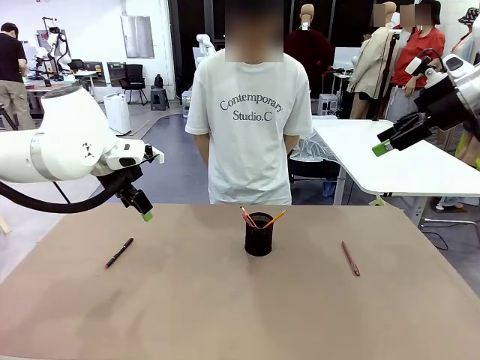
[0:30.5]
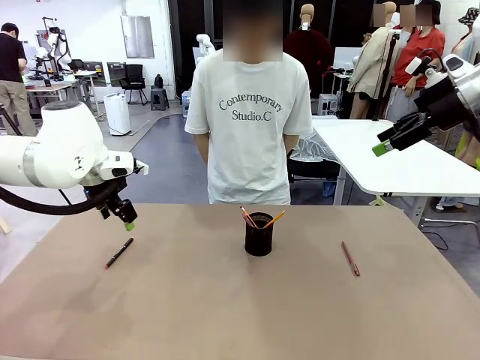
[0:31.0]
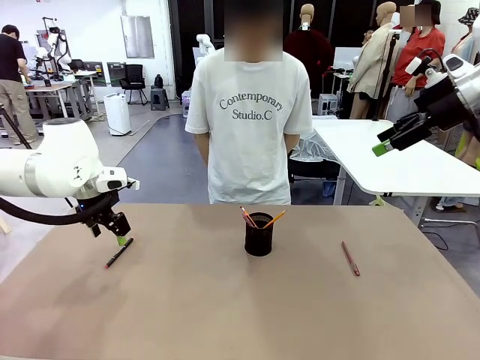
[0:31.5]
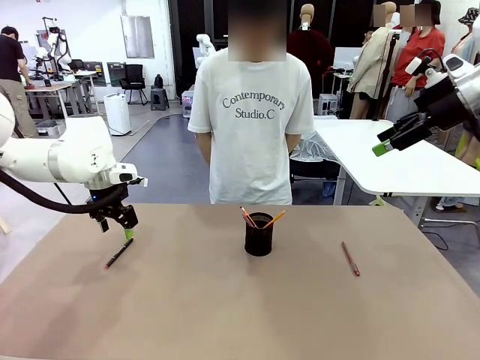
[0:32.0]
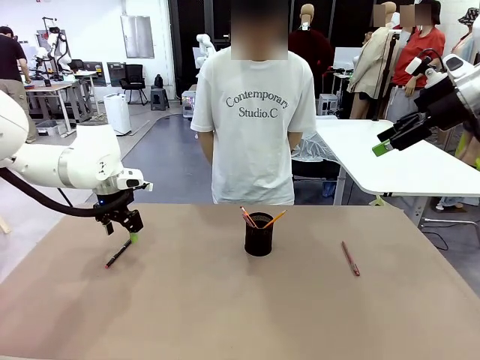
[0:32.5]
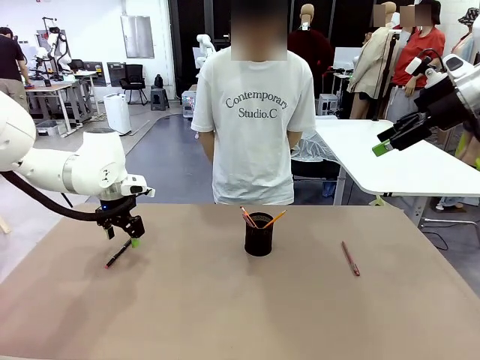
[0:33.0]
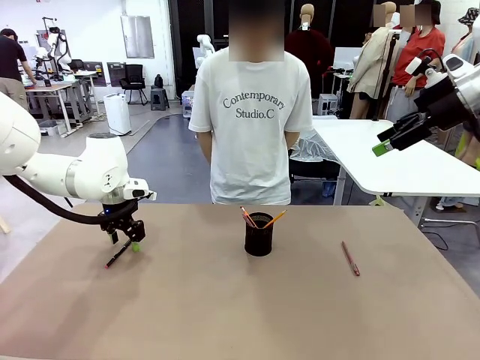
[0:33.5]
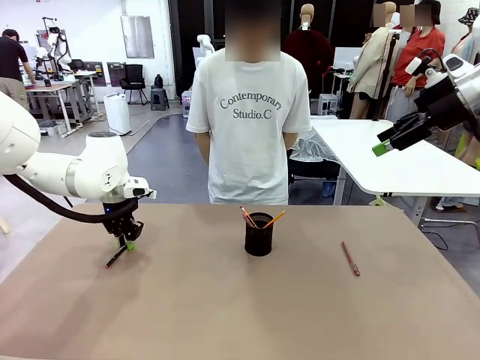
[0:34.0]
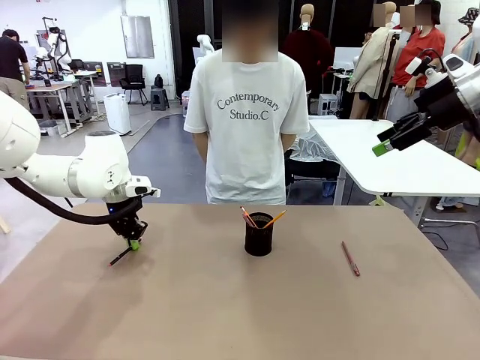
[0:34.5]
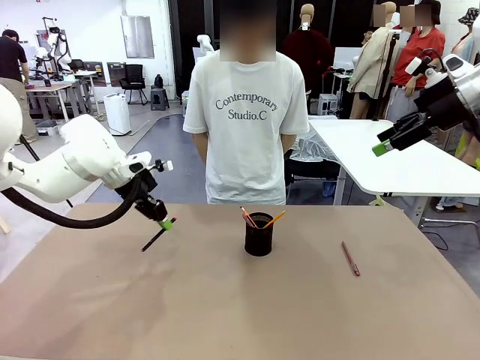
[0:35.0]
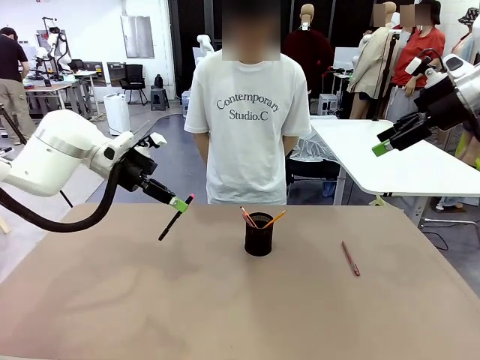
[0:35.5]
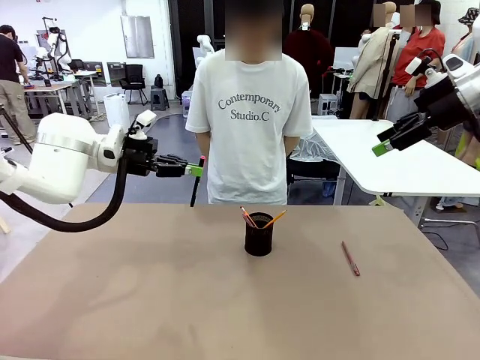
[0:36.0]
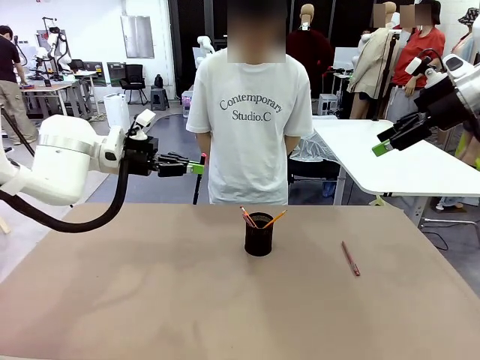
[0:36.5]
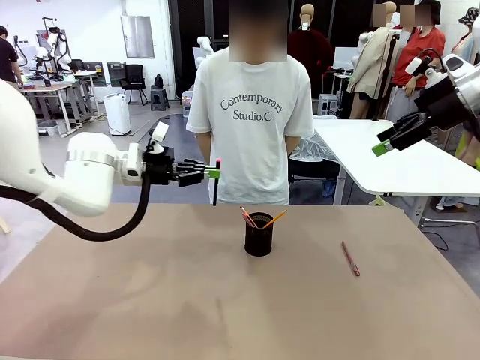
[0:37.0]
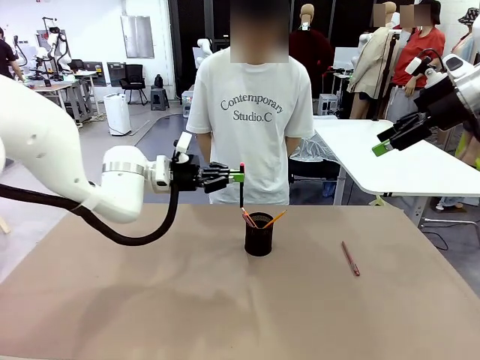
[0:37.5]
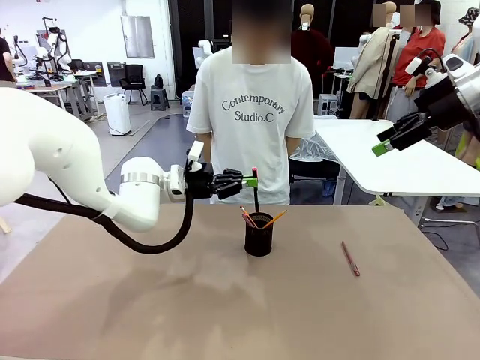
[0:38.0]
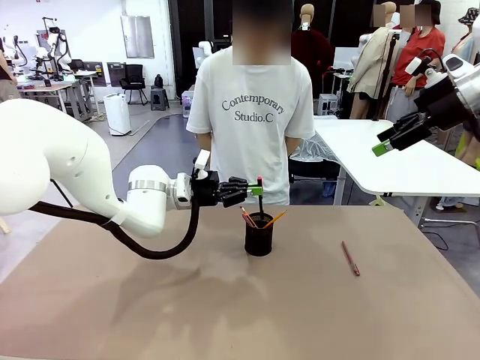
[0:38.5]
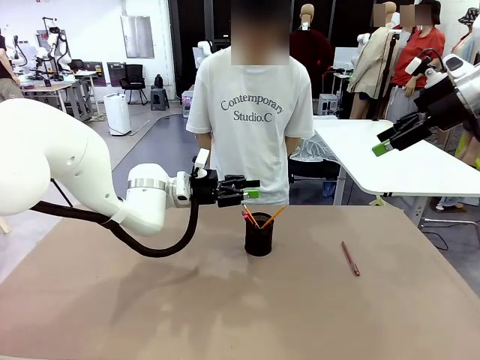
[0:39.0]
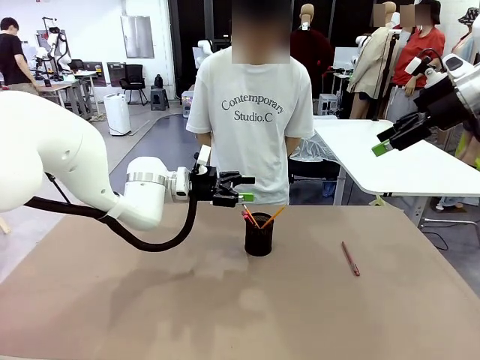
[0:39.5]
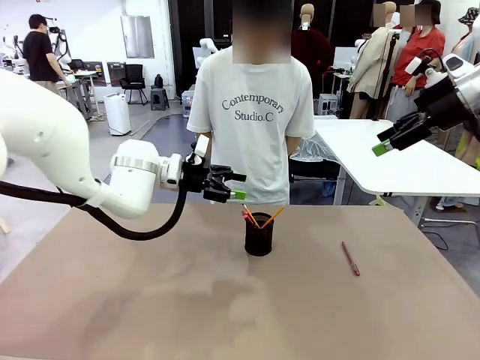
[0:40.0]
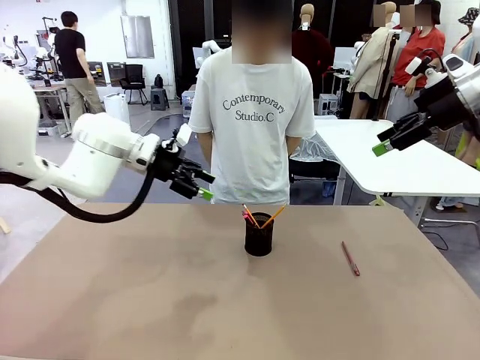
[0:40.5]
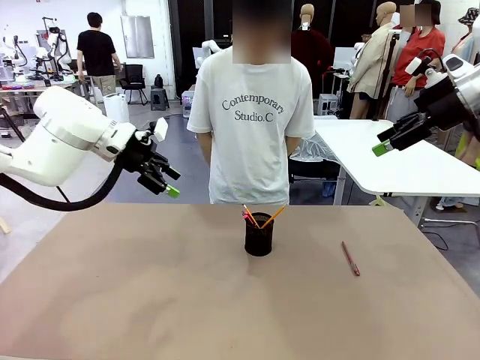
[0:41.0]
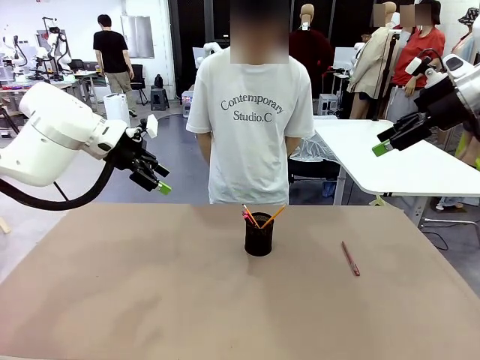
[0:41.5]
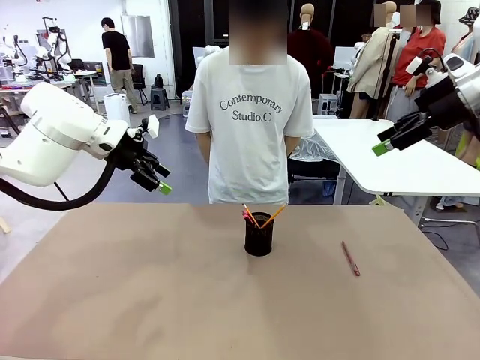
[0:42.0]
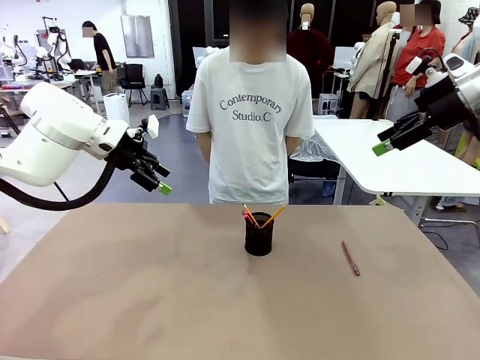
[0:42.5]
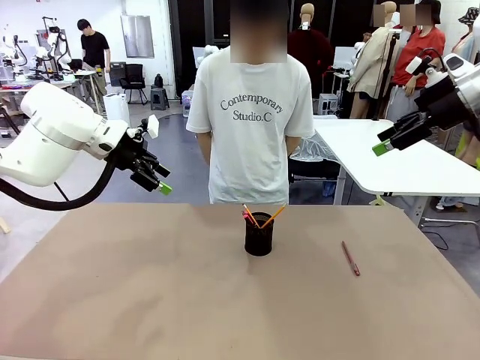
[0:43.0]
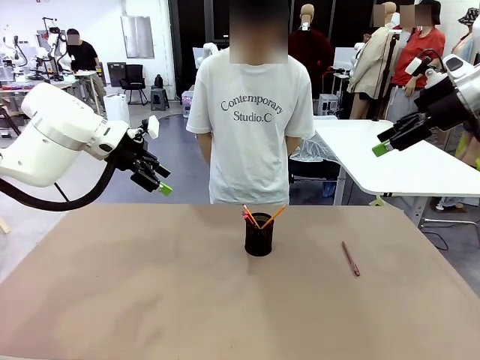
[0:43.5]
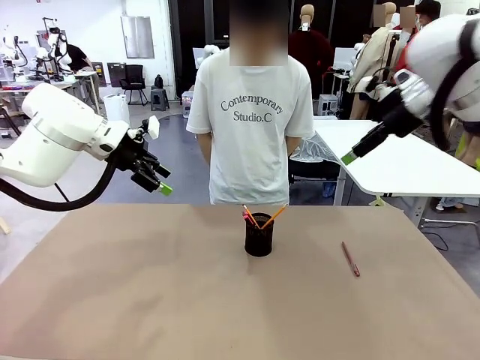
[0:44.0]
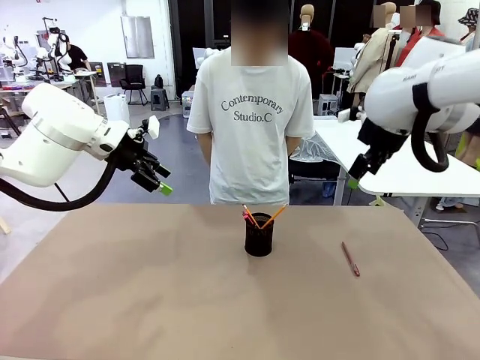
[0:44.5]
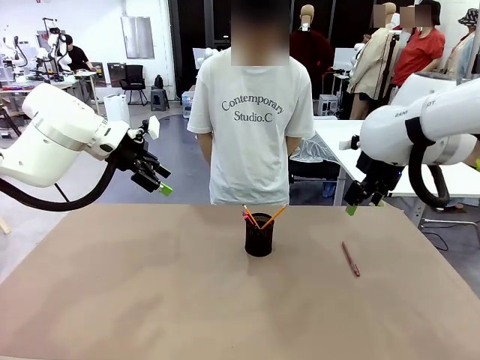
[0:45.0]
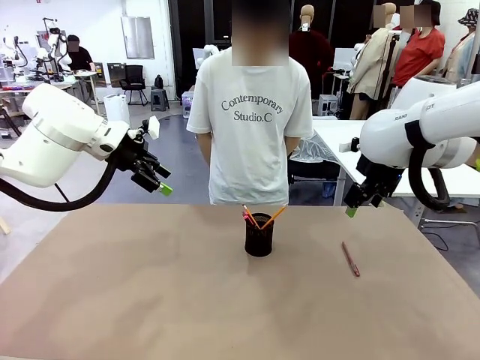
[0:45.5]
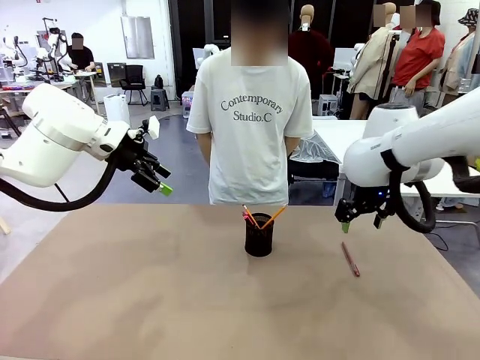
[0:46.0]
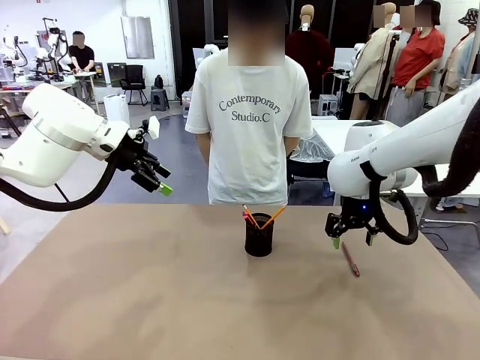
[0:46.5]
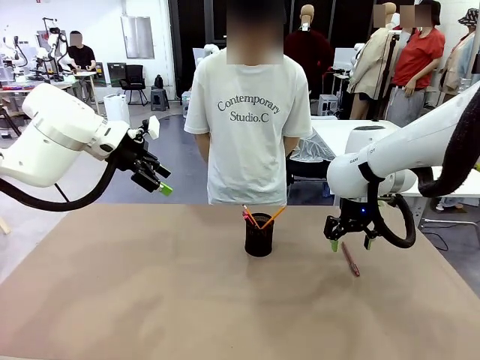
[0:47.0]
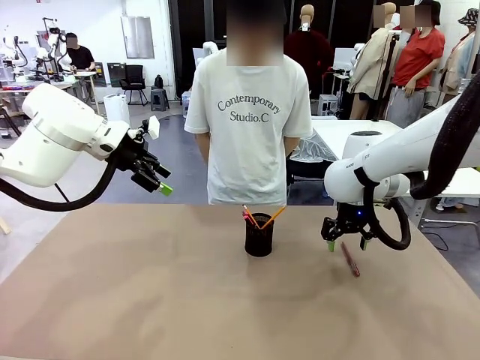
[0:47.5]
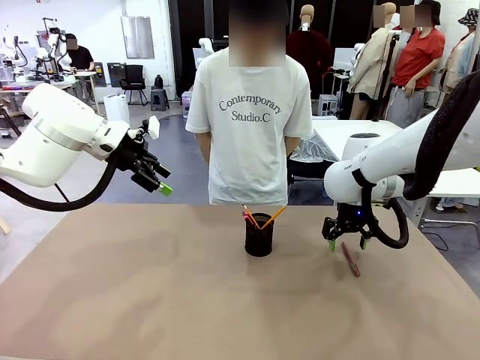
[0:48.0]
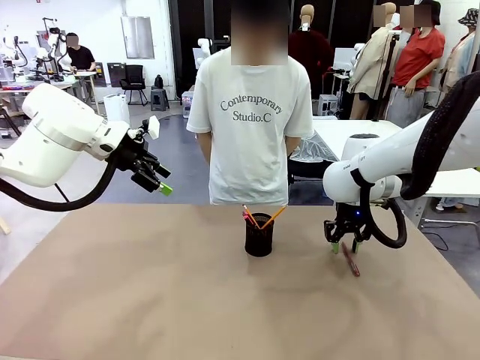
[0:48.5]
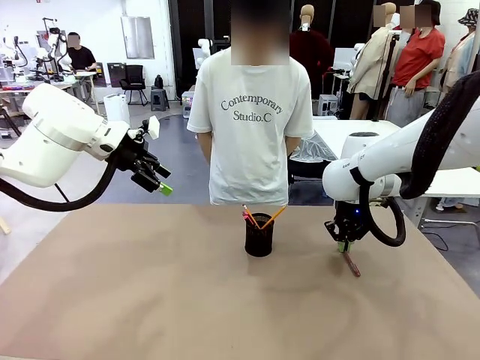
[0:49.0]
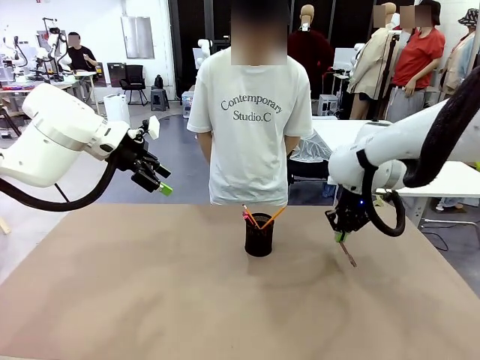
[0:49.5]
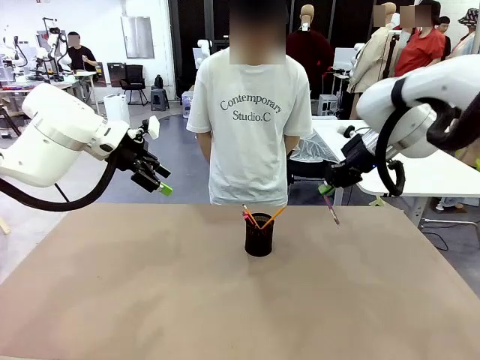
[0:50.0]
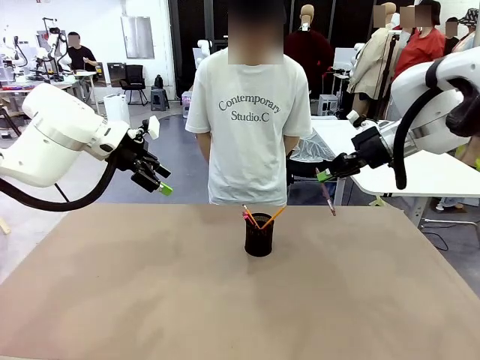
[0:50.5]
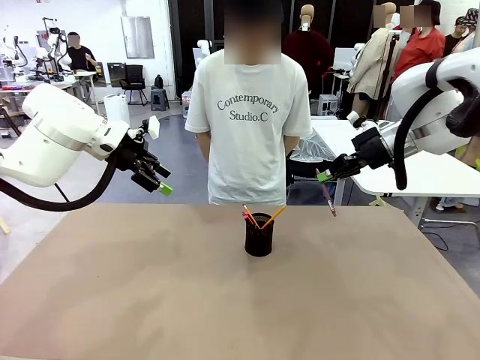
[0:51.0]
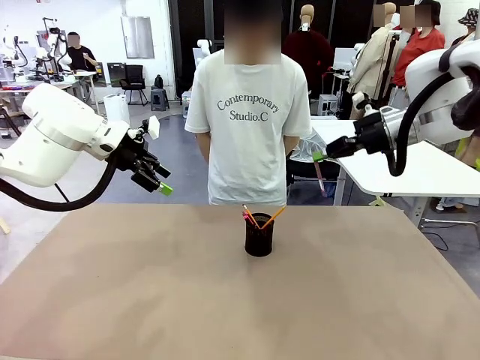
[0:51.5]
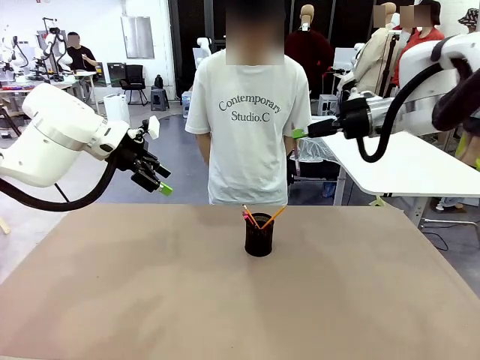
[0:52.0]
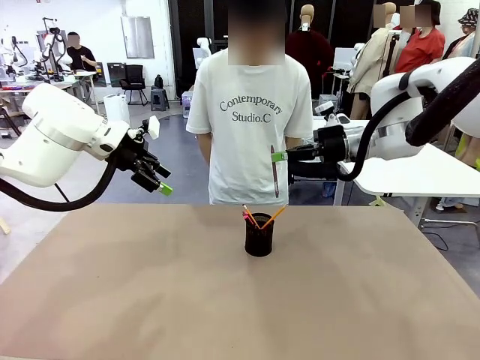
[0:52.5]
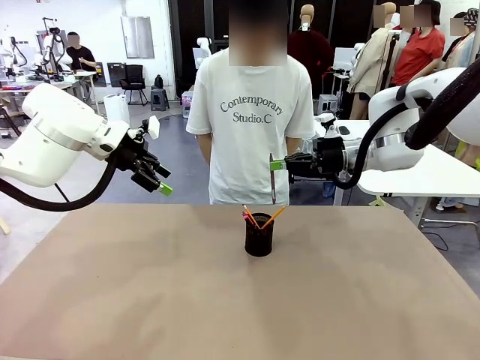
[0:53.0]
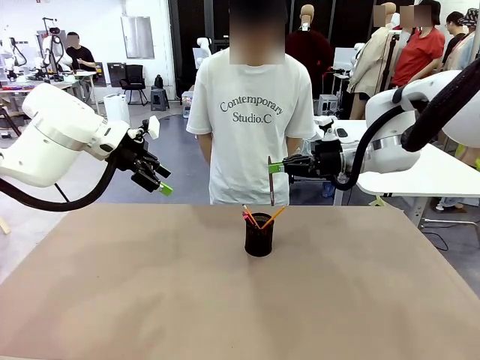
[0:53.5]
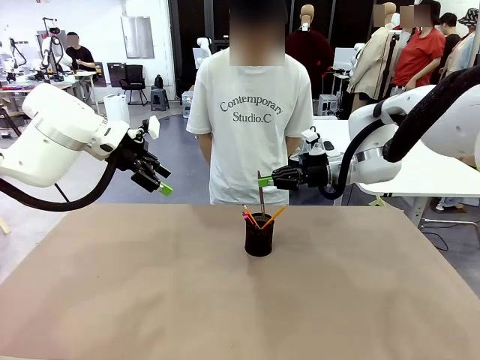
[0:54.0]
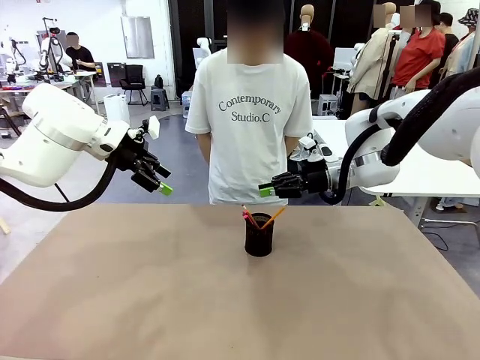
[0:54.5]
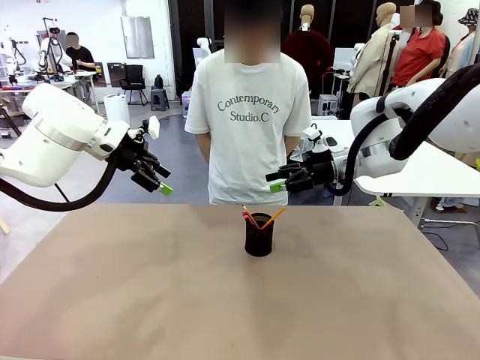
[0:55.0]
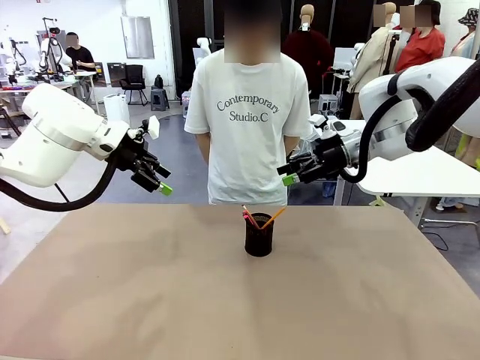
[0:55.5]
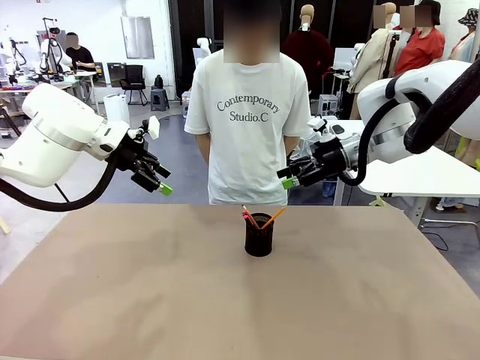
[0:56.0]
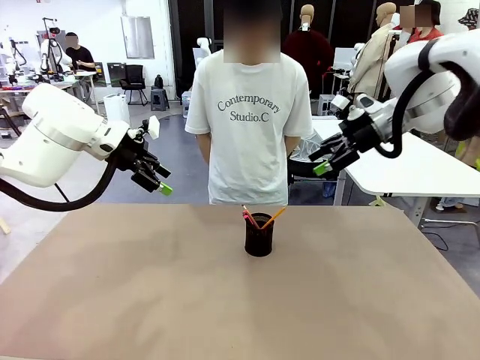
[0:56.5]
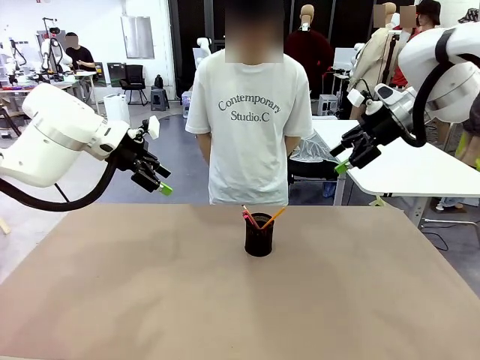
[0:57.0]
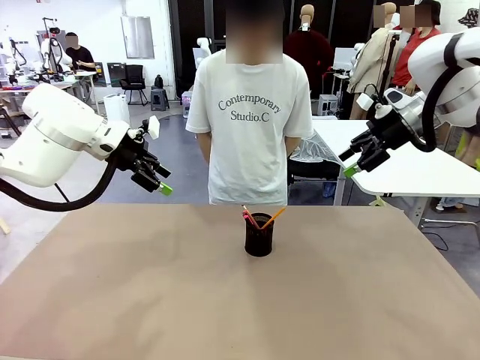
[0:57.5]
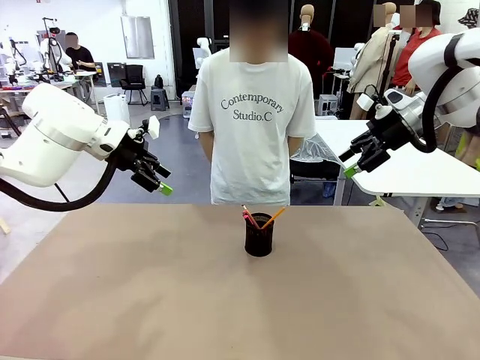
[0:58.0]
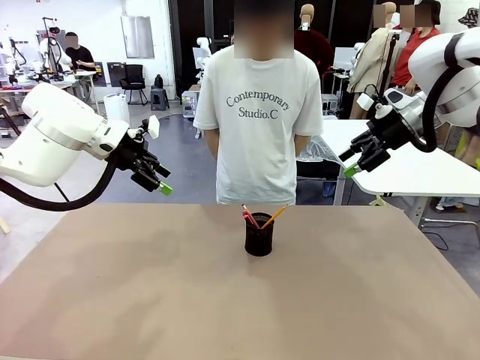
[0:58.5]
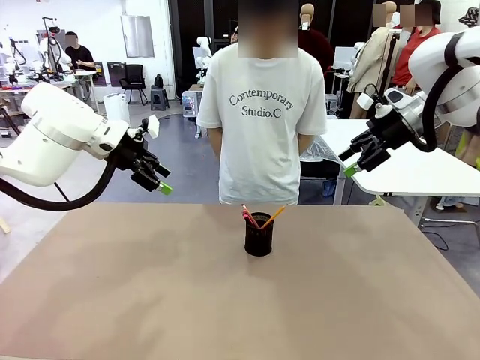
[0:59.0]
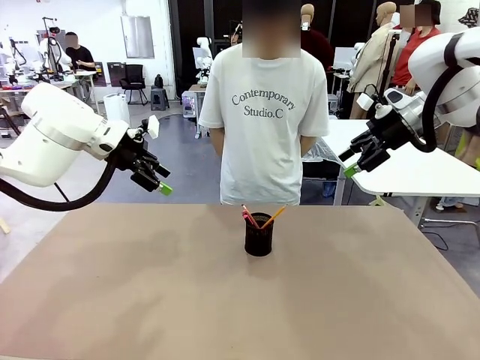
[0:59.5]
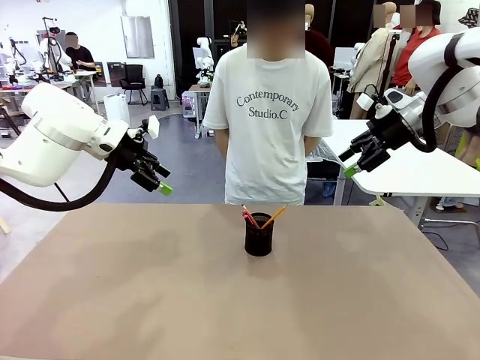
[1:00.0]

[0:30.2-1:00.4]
Task: Place the pens into the pen holder.
Robot: Pick up a writing instrument from the table and place it into the Pen holder.
Person: Place all writing instrument into the Pen holder.
